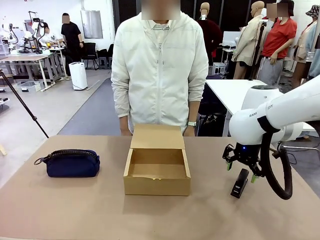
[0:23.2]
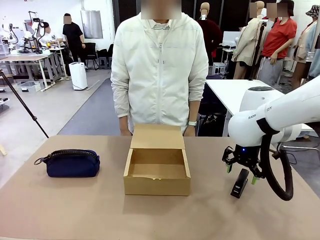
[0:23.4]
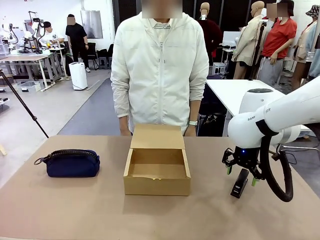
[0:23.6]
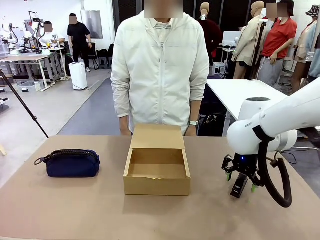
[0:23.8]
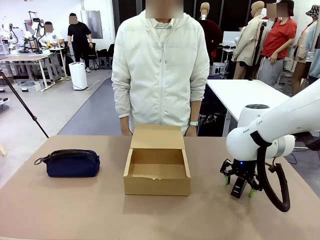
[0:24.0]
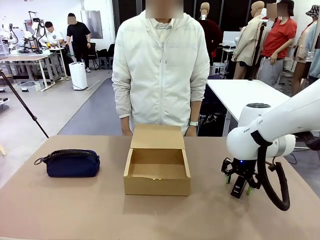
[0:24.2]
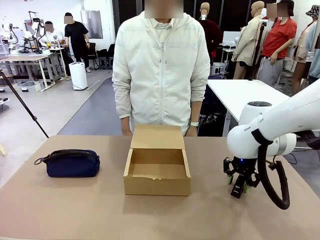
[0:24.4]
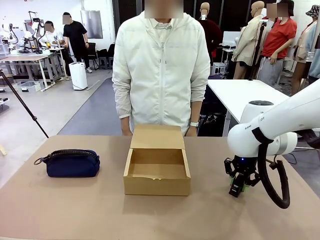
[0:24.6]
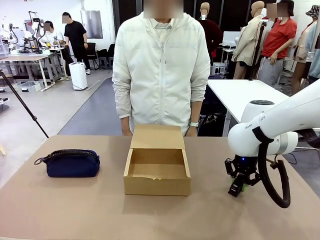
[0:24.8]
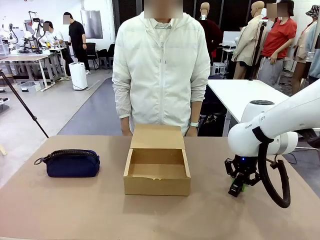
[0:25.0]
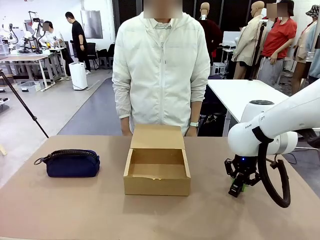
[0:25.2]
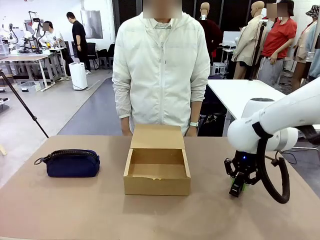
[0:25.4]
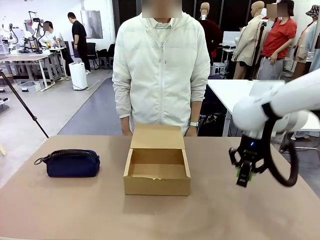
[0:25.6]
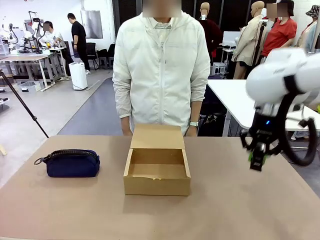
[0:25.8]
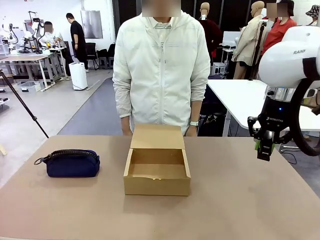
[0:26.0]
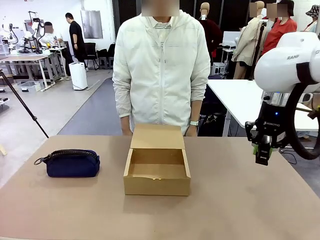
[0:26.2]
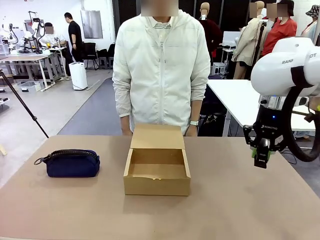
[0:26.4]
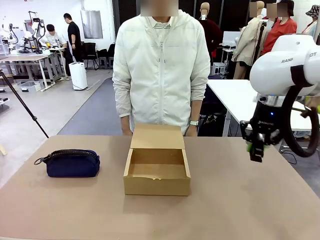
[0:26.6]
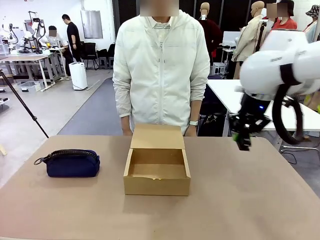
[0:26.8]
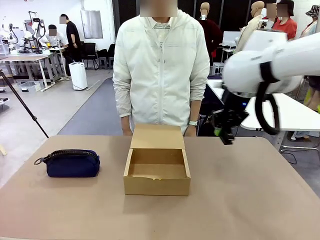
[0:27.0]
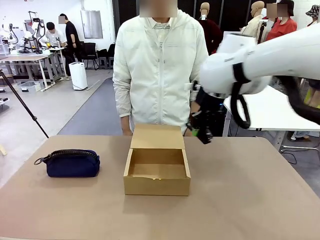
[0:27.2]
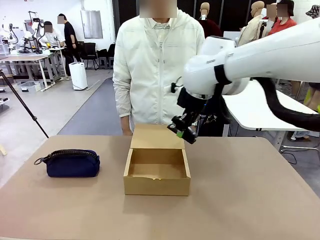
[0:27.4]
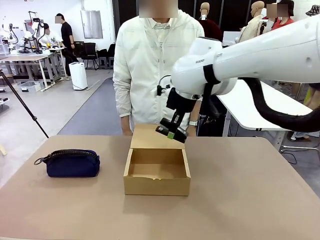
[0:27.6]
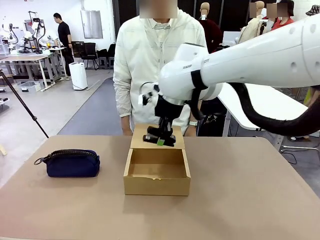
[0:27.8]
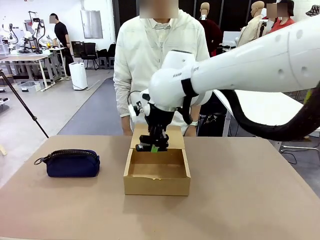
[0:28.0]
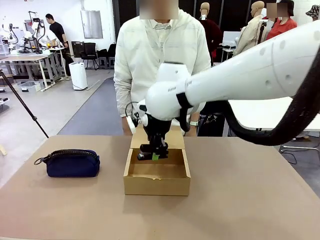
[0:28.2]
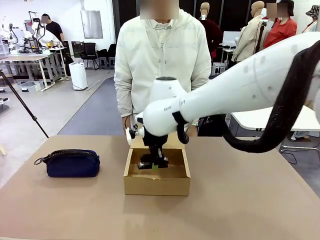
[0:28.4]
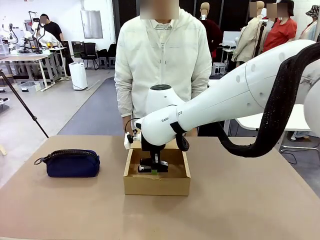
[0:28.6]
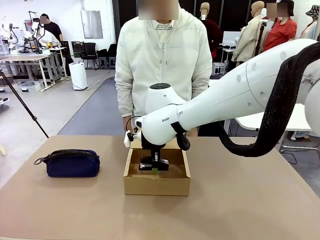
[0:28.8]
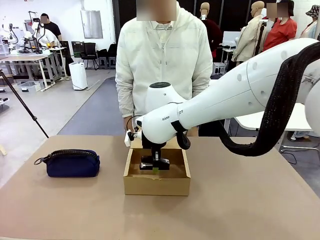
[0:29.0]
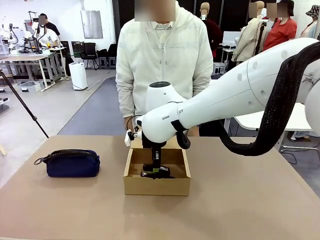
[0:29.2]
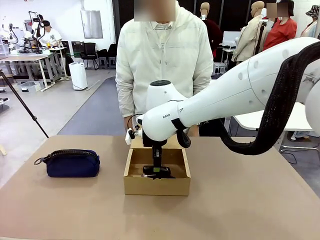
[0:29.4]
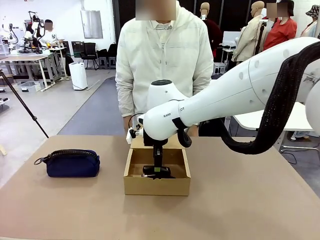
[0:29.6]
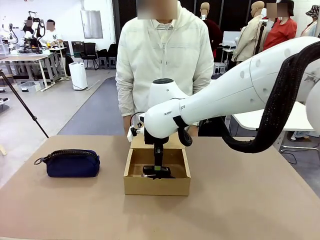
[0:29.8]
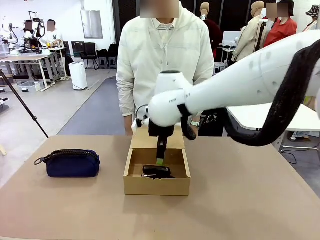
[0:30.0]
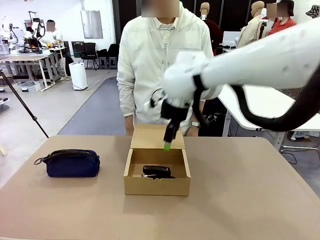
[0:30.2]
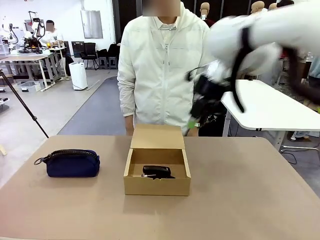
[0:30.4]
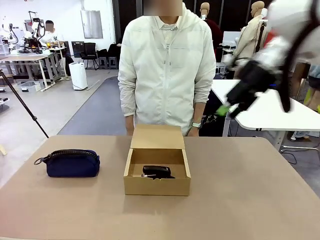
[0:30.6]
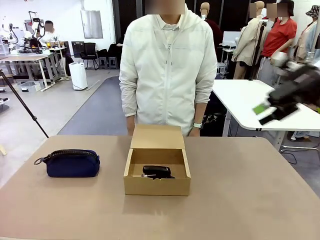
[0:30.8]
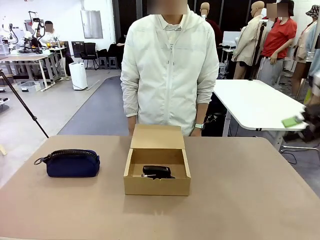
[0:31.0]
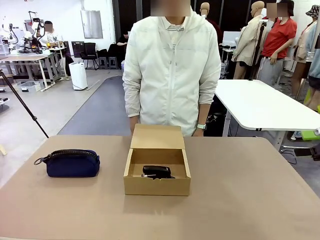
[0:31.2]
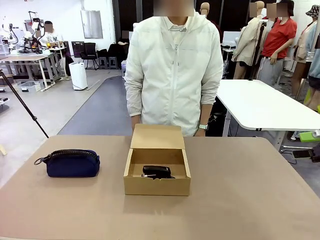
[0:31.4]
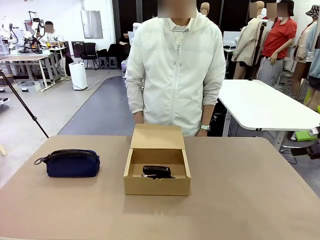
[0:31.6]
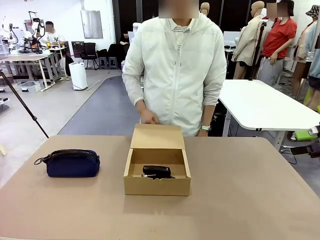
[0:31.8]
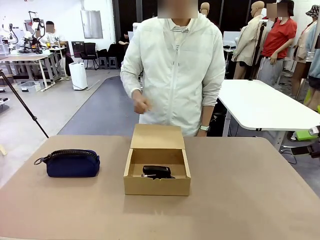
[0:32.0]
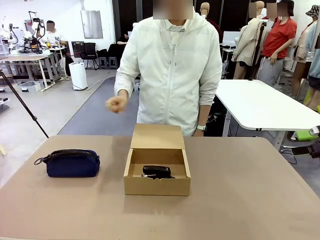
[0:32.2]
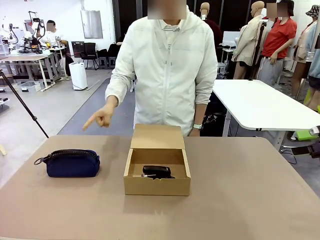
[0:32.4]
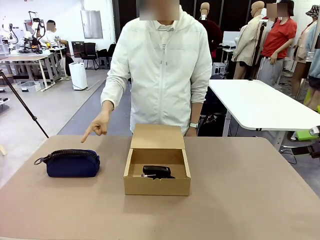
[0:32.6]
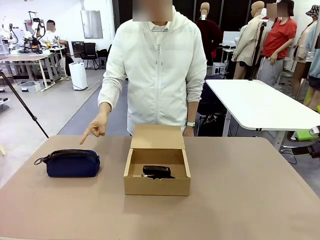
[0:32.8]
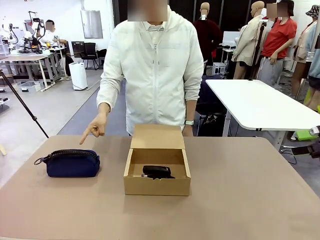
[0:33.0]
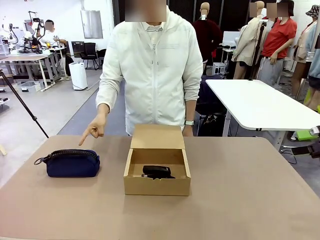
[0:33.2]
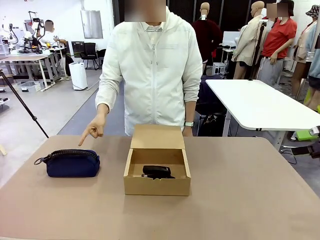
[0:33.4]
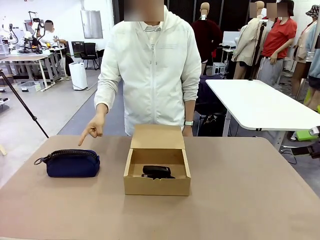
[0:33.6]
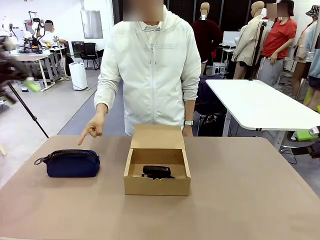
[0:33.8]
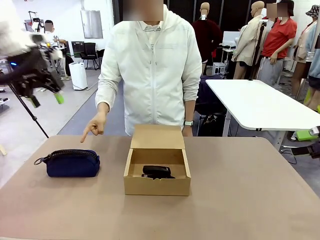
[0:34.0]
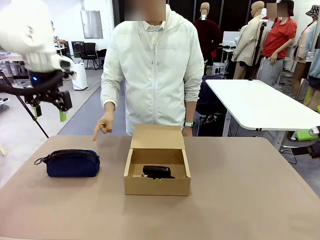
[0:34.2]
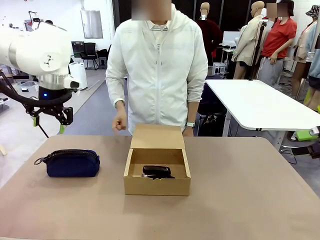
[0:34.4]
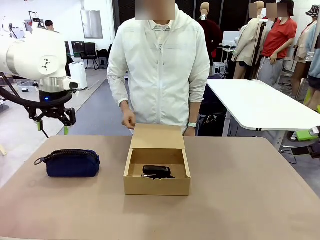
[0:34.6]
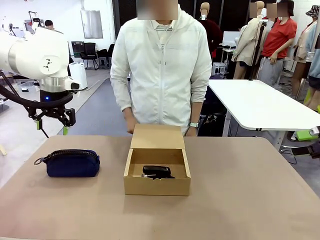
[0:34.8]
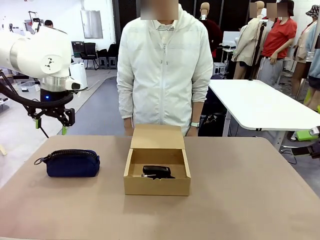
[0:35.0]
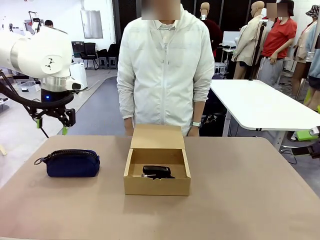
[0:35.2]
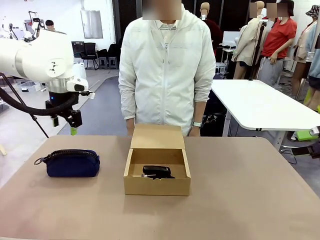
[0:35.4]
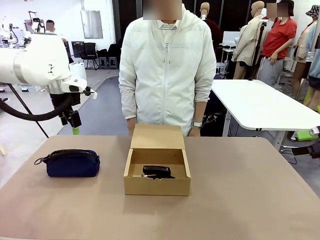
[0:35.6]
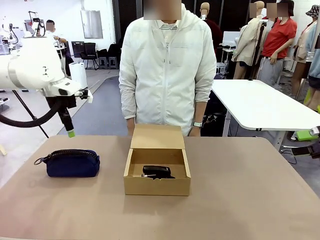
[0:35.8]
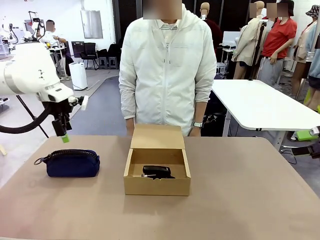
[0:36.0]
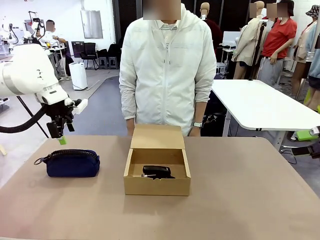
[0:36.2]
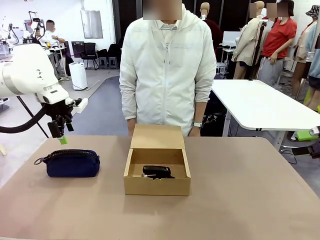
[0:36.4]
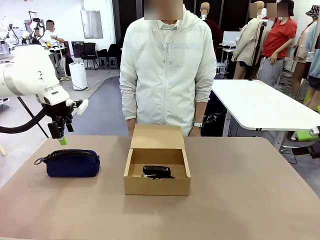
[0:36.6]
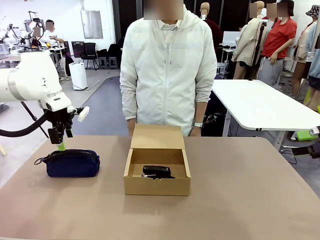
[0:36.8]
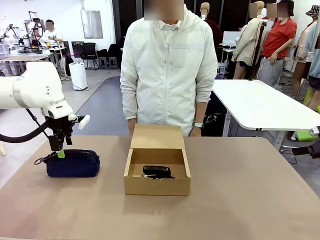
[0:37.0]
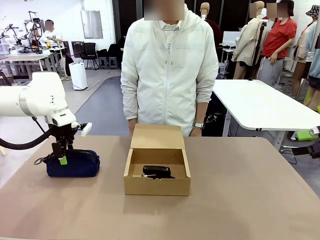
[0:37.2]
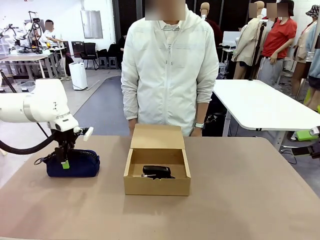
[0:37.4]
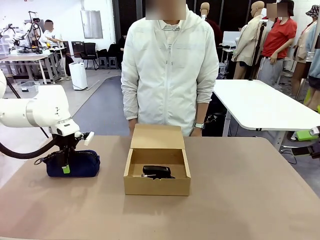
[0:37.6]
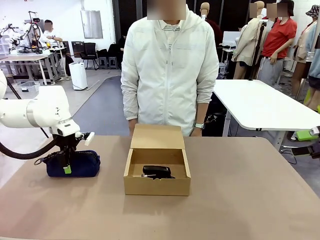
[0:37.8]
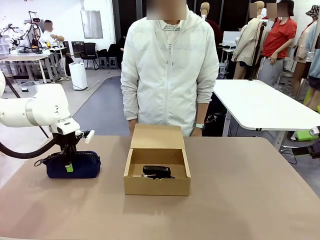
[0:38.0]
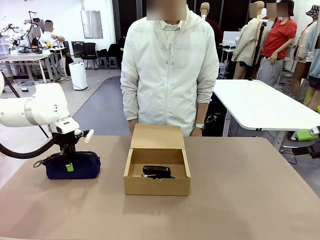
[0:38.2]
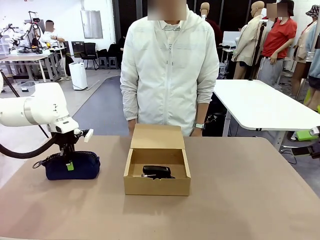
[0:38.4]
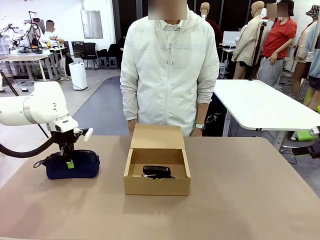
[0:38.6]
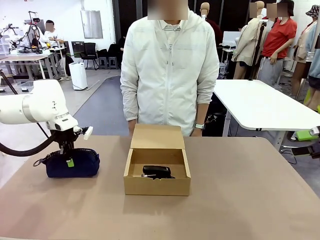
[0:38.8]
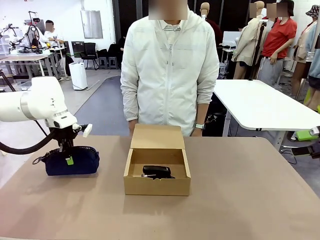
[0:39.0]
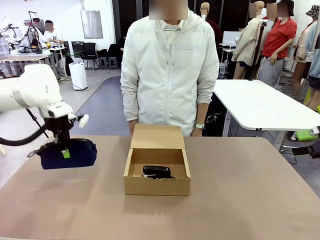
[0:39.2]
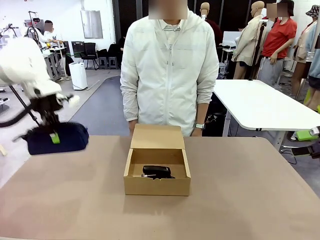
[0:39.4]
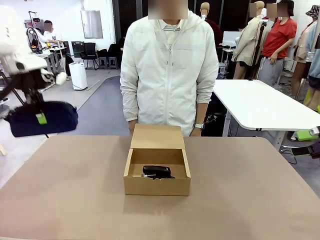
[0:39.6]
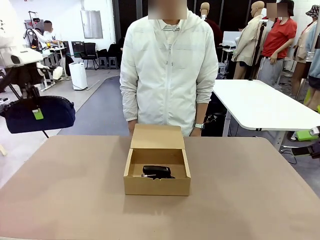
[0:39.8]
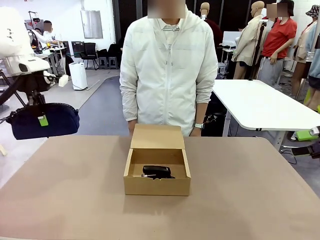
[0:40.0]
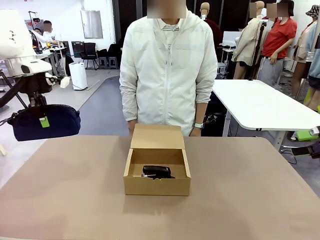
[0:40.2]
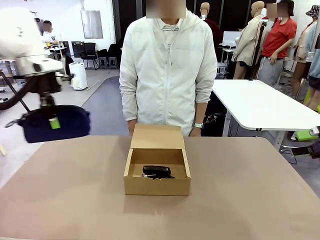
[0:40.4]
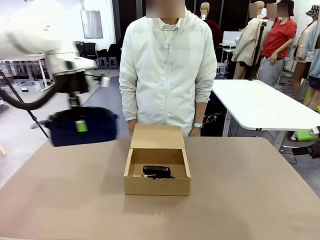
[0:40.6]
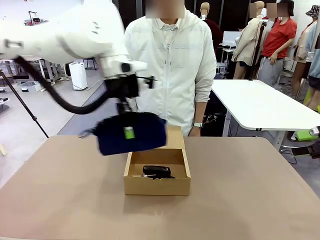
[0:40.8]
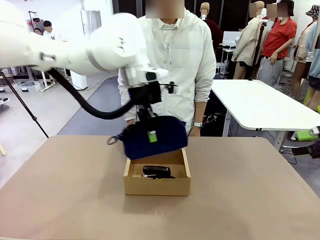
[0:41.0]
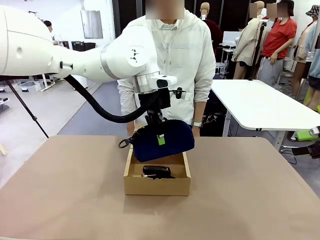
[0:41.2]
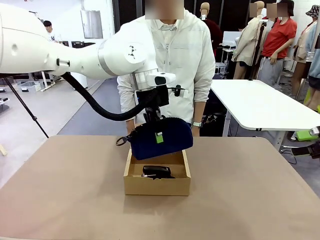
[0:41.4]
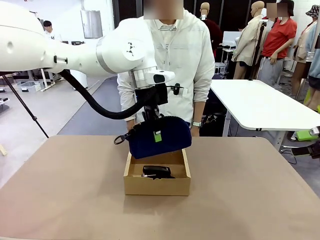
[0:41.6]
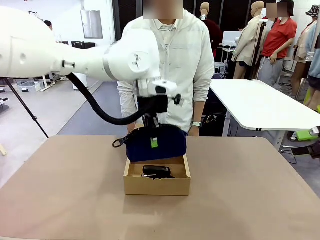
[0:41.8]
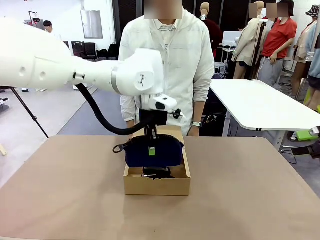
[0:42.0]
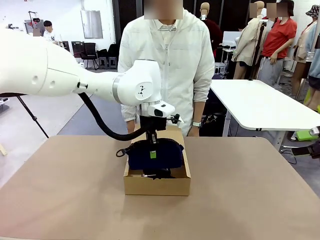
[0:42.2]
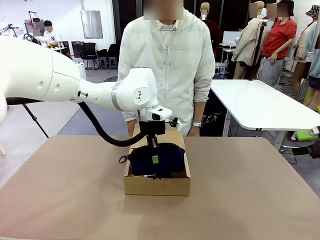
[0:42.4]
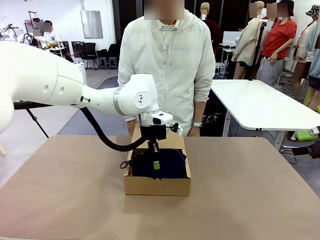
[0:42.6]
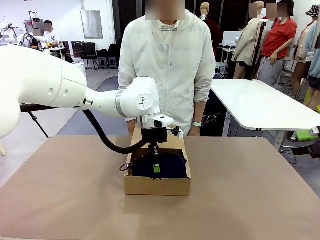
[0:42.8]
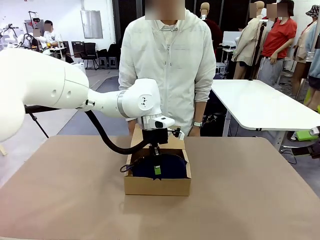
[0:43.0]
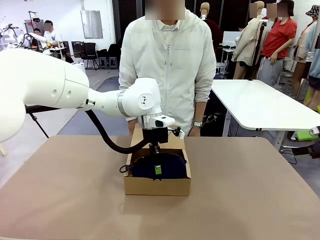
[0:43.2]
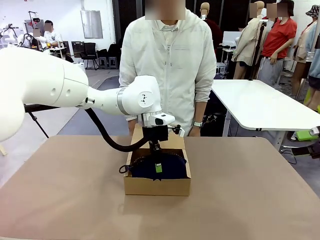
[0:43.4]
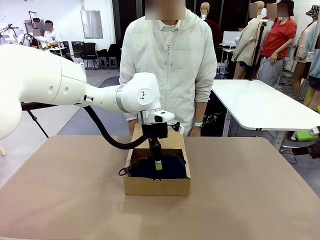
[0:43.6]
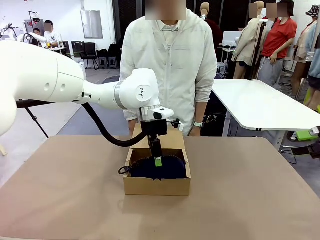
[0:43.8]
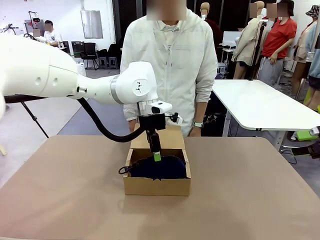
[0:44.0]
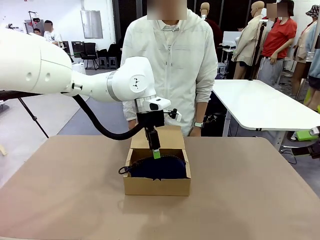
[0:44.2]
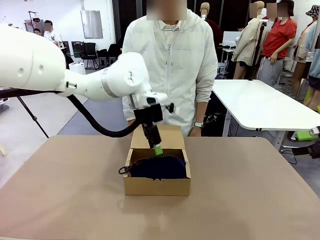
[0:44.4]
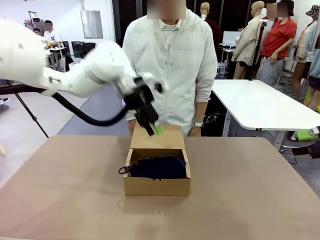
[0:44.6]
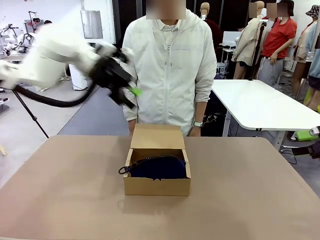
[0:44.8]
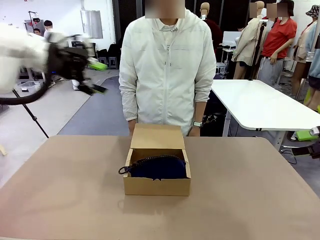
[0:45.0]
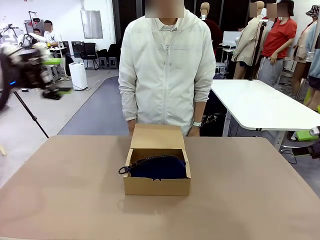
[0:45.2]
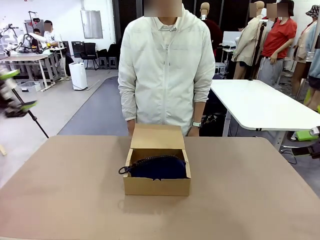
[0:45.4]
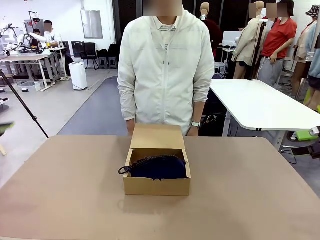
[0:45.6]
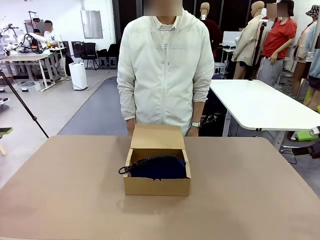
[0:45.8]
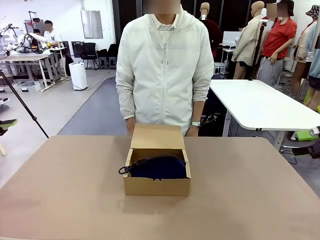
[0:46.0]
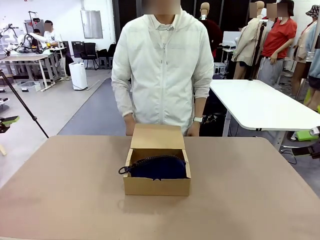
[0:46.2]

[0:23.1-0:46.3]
Task: Pack the items into the box.
Robot: Pick up the item indicated by the person and place it inside the Mailer Box.
Person: Lower both hands vertically with palms facing downward, as if pressing something closed.
